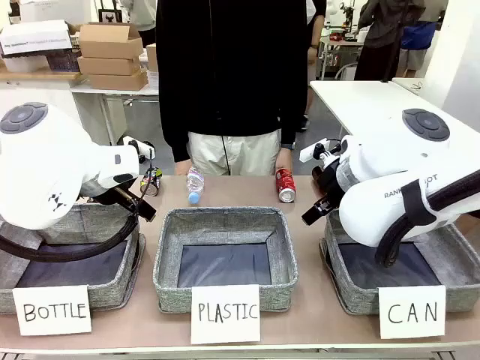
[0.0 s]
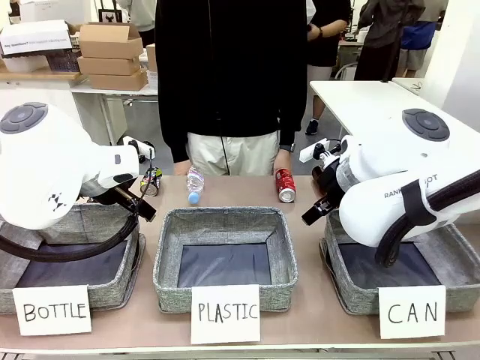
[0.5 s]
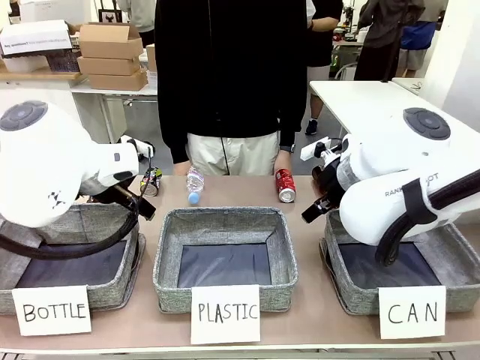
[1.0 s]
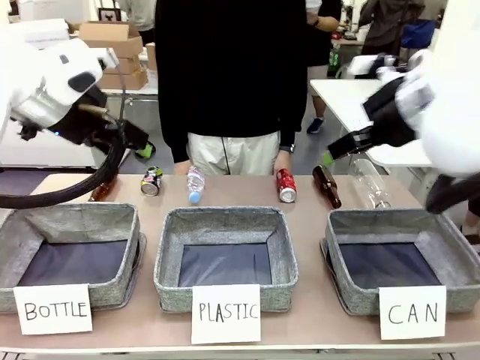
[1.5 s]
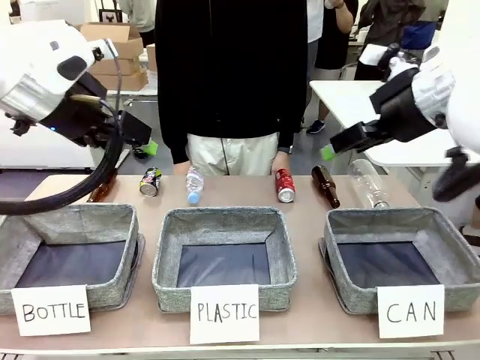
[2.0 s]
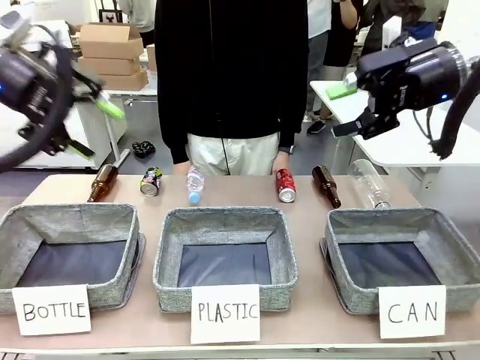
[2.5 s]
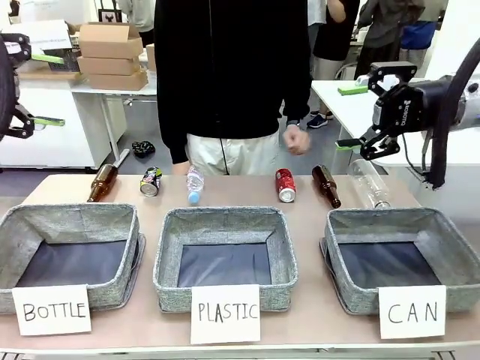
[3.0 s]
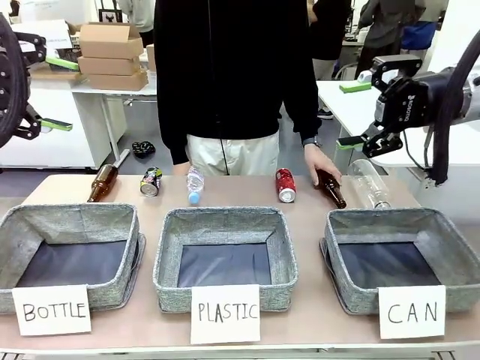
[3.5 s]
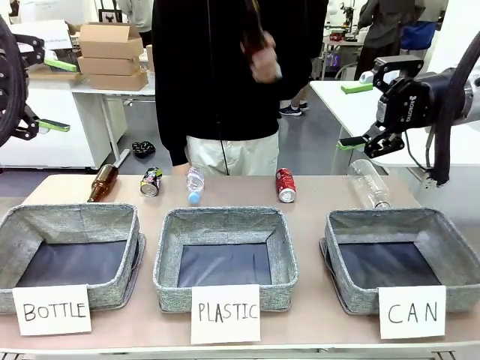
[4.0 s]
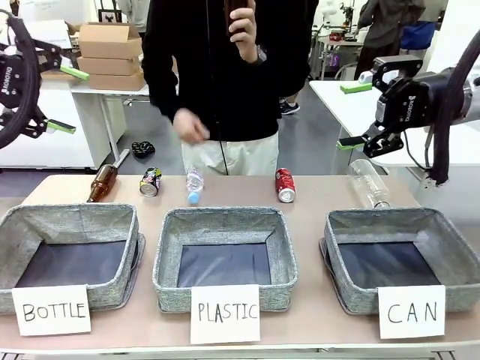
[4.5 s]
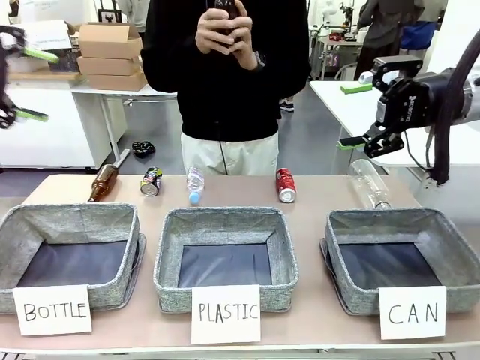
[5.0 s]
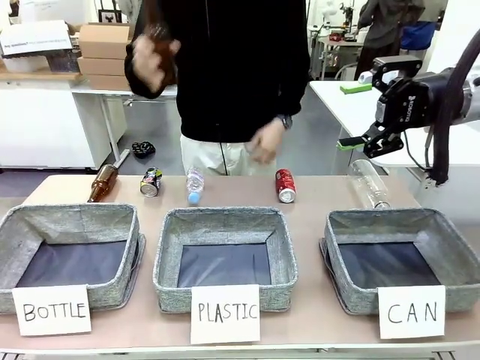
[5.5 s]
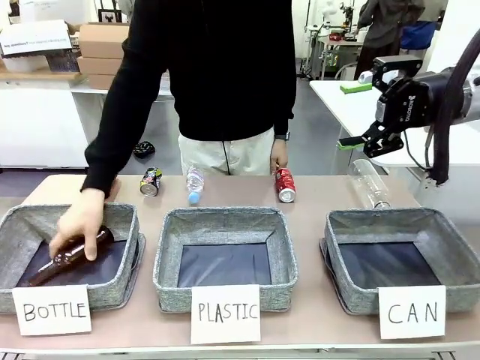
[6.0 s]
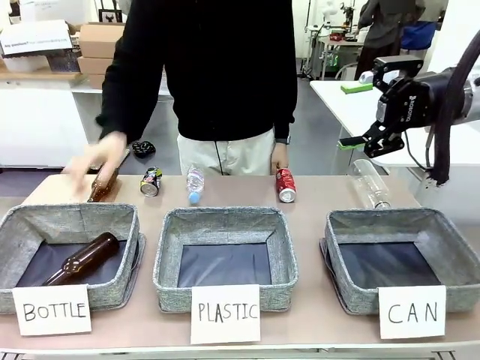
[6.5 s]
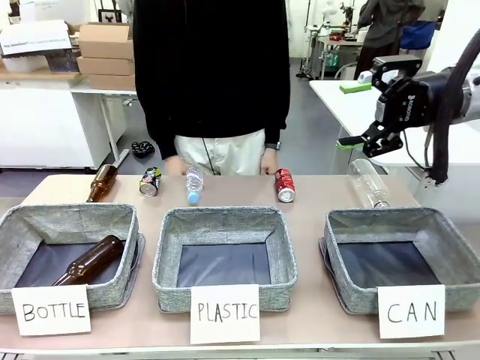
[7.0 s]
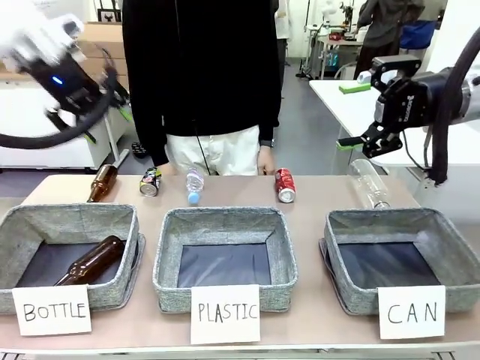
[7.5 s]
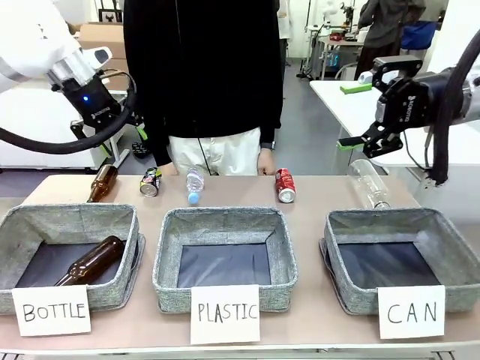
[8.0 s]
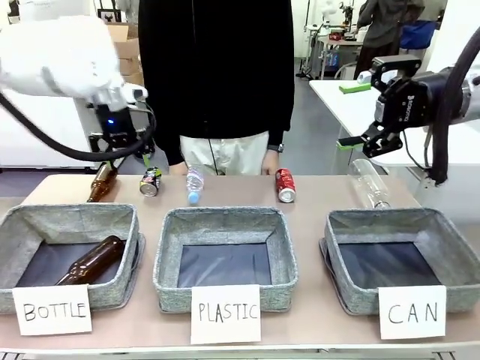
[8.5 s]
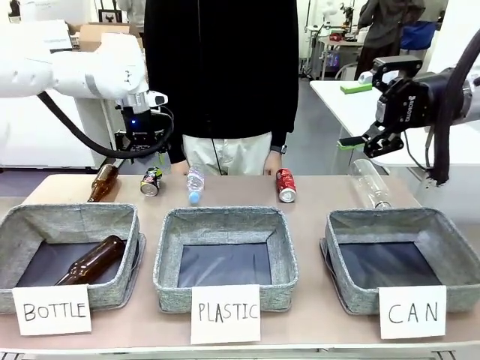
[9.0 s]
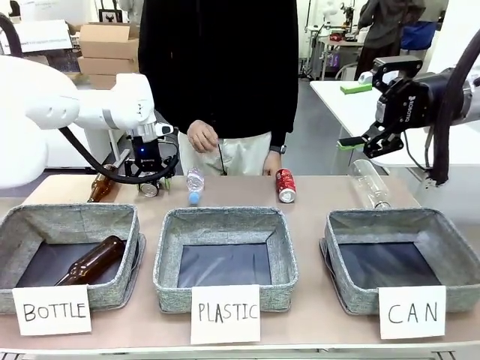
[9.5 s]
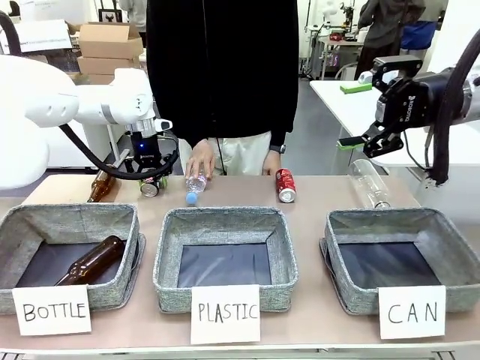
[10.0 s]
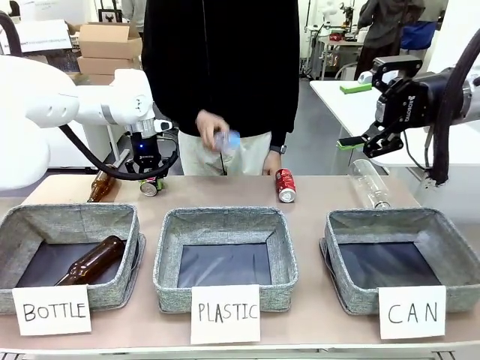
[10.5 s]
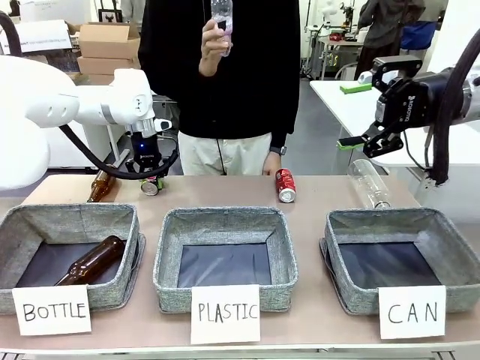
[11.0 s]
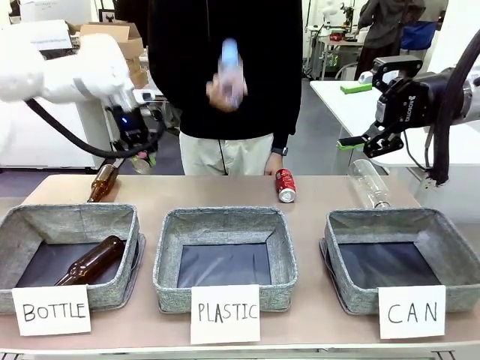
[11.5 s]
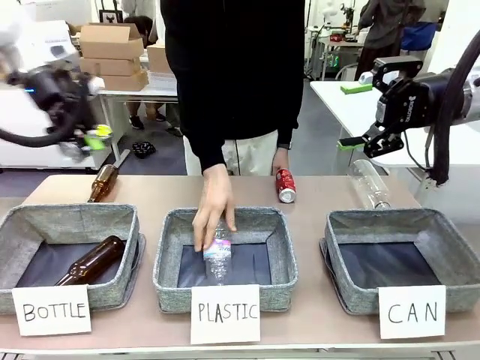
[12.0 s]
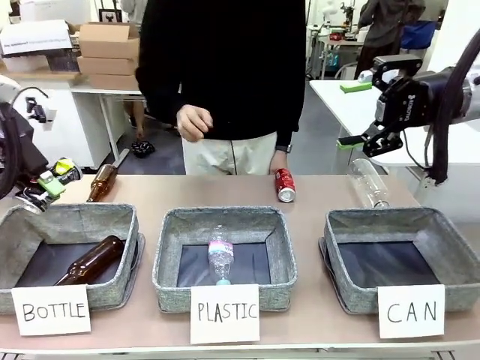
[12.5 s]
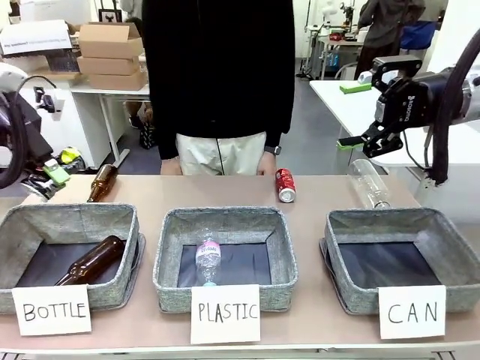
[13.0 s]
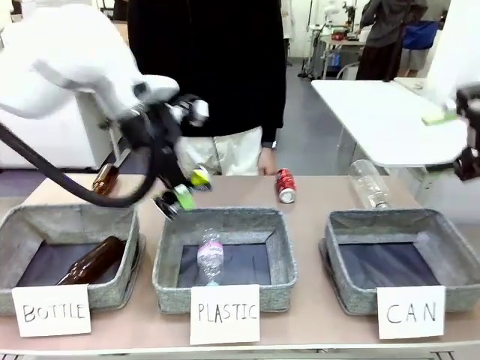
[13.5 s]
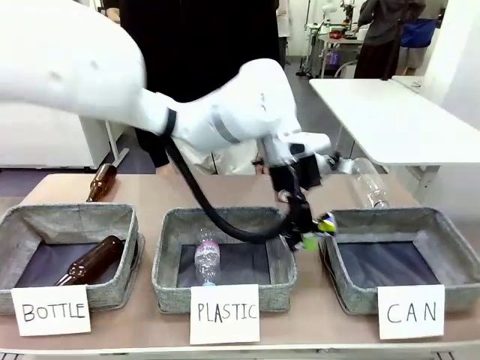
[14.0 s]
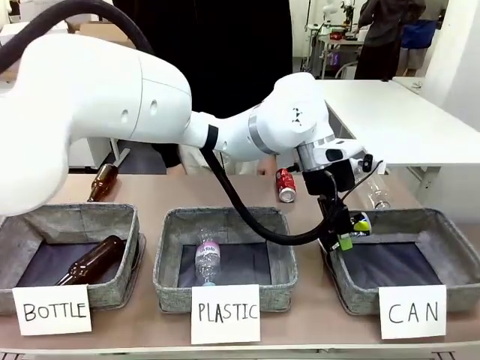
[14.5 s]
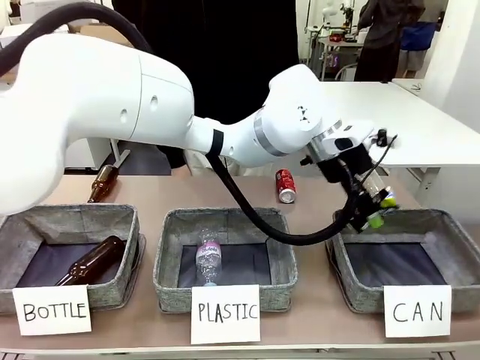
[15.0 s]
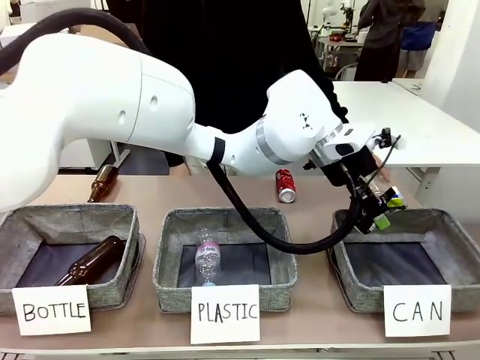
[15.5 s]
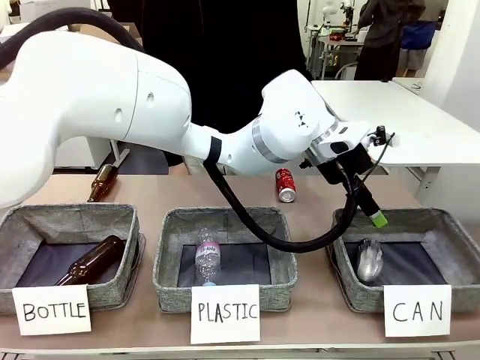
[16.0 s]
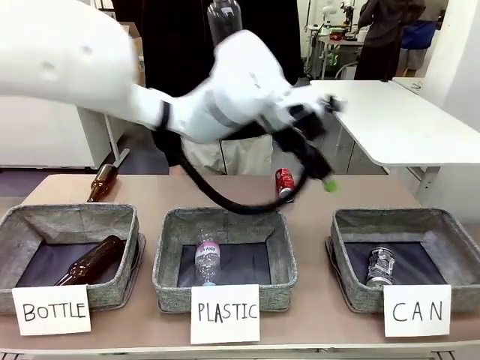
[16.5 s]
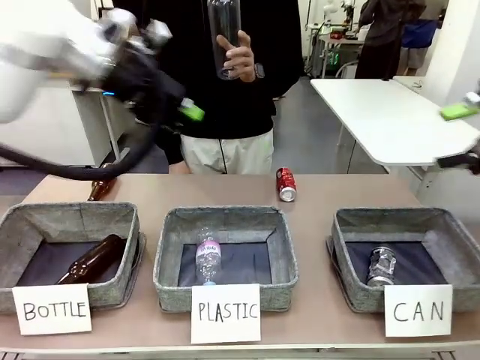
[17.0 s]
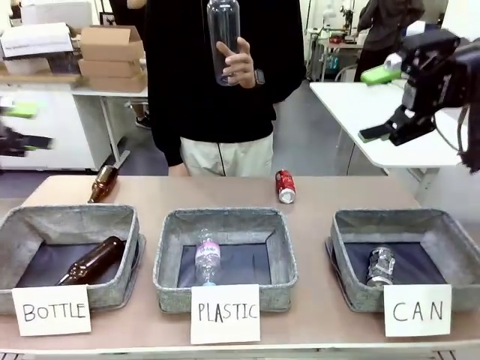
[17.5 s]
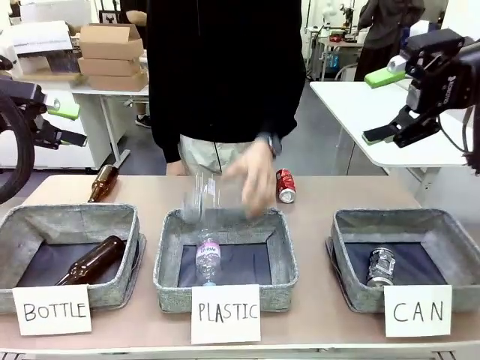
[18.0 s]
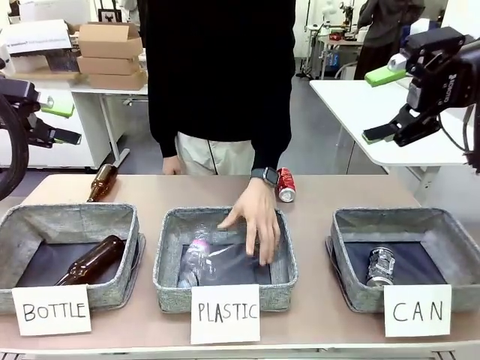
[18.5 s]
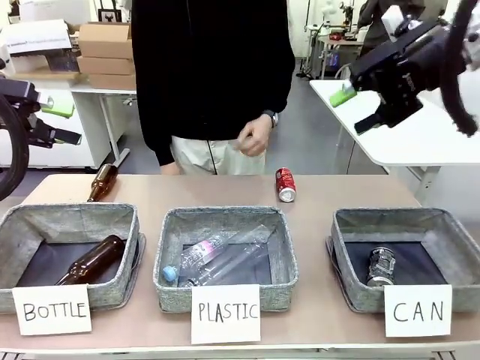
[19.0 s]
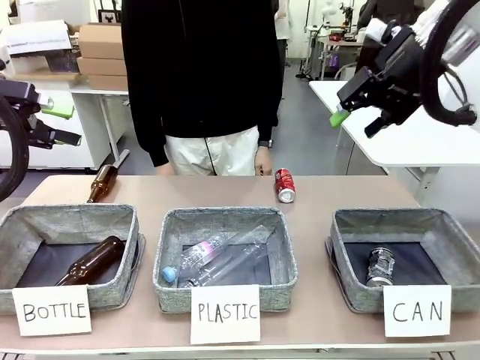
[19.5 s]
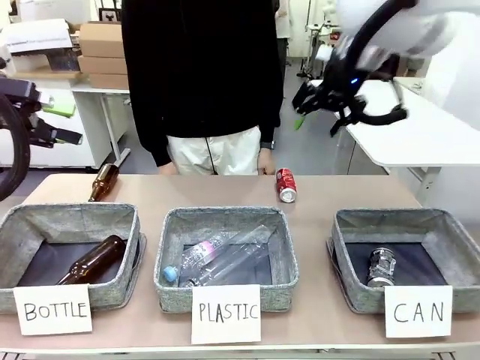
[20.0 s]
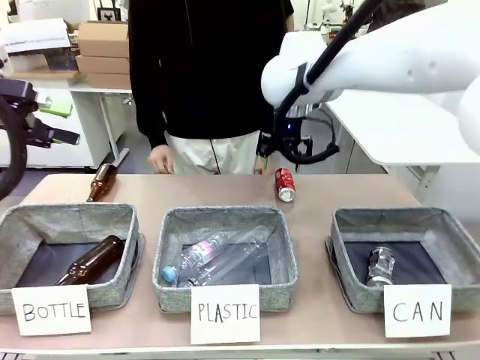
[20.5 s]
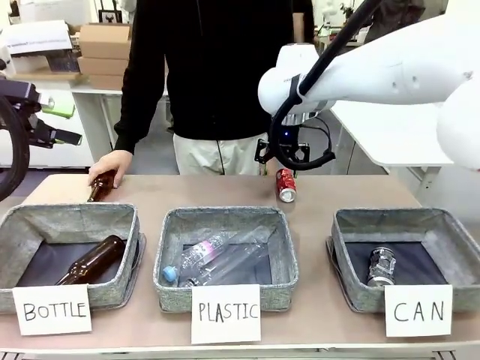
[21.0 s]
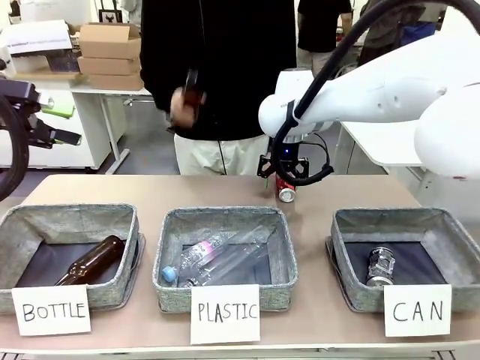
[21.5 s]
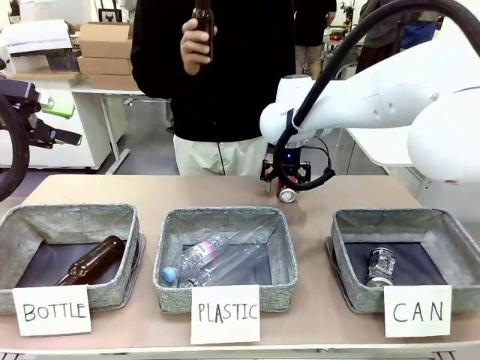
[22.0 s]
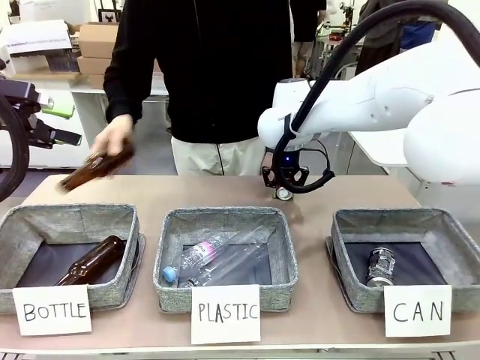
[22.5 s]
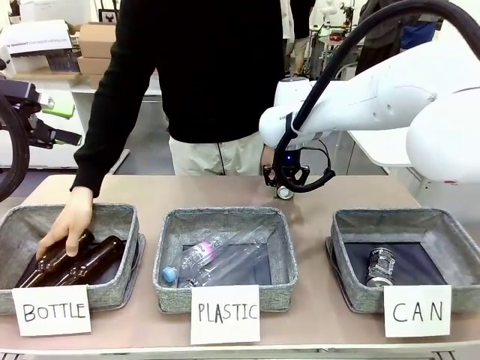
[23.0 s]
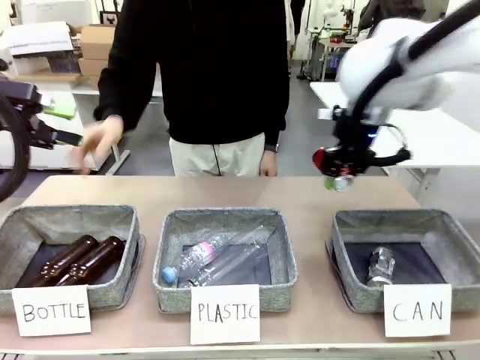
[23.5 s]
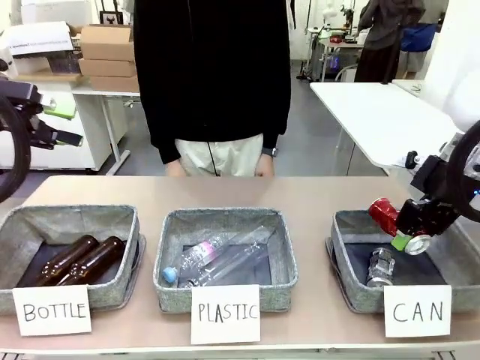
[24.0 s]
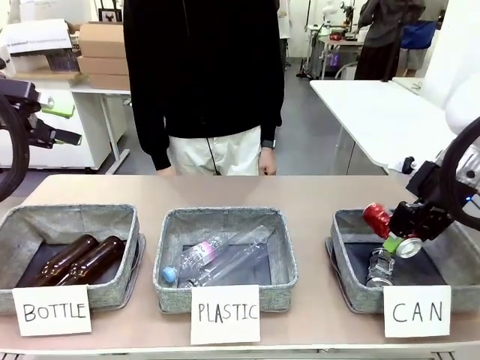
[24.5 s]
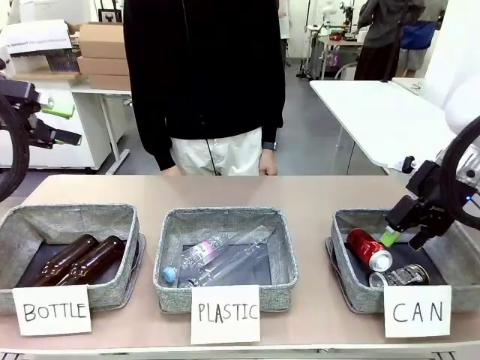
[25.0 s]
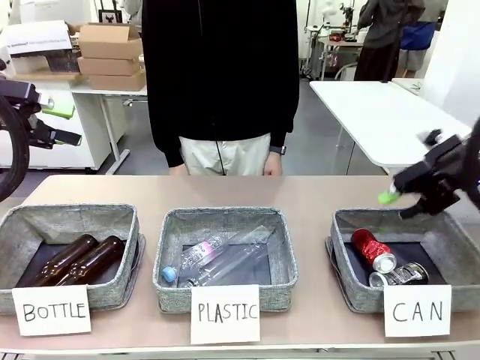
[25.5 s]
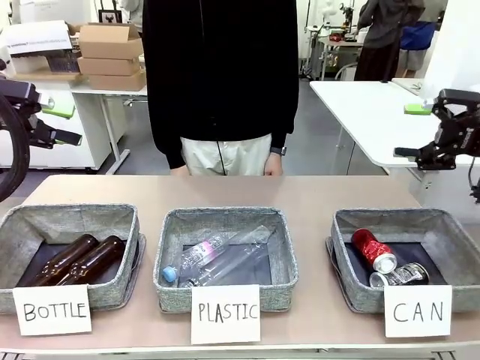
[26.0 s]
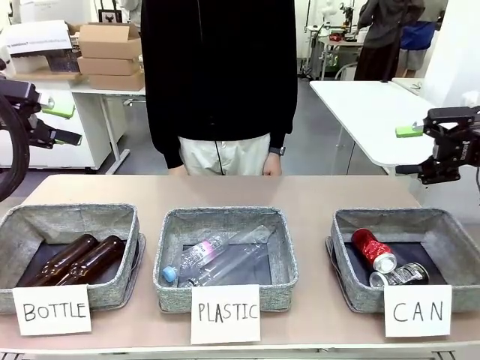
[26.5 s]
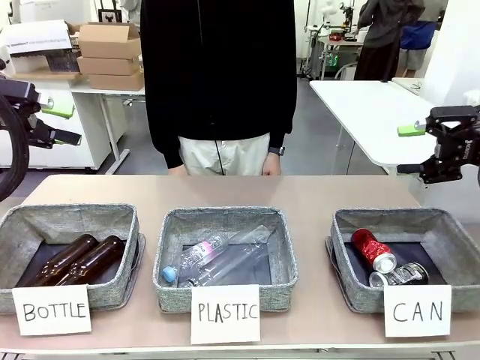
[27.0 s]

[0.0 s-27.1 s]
Task: Sort the can waste into the basket.
Robot: Pick up the can waste from the table and place it in the right Fabric basket.
Person: The human picks up one piece of trash that is not a can and places the trash into the appropriate organizing basket.
